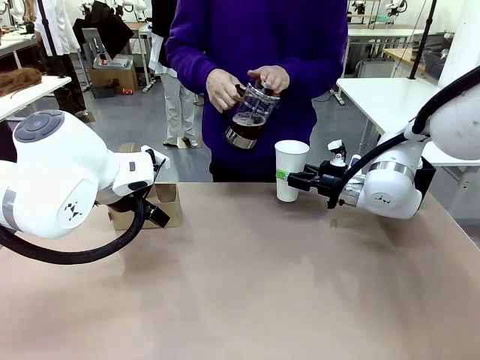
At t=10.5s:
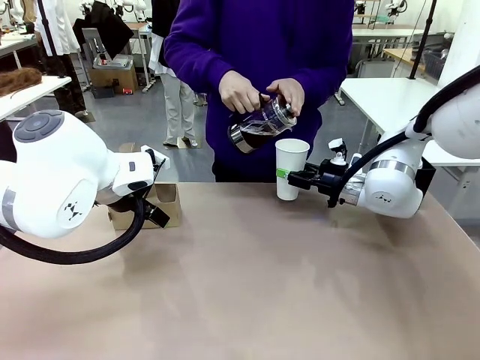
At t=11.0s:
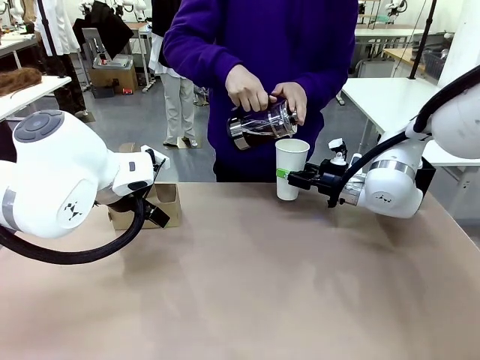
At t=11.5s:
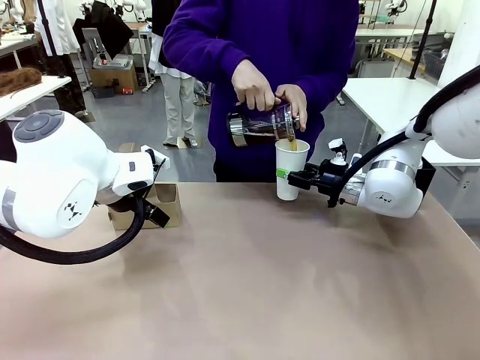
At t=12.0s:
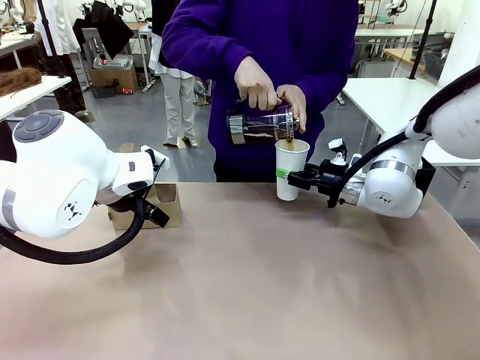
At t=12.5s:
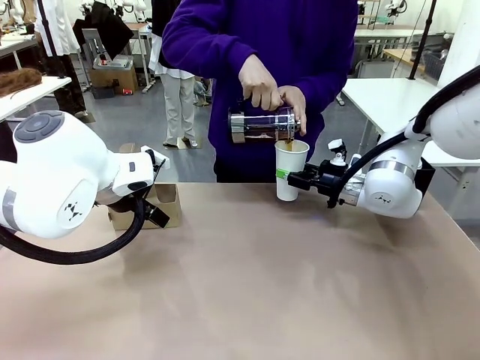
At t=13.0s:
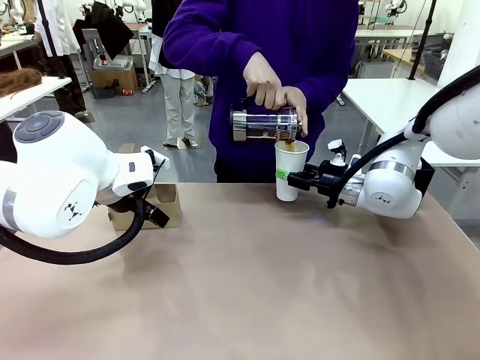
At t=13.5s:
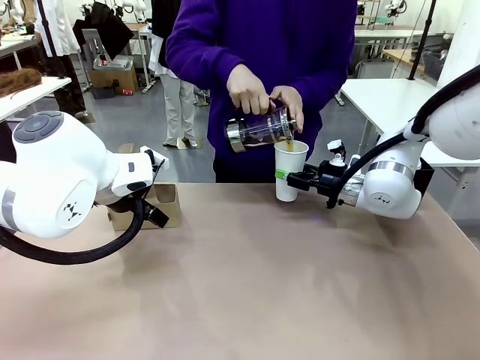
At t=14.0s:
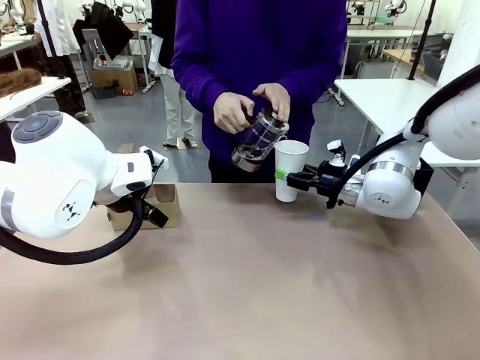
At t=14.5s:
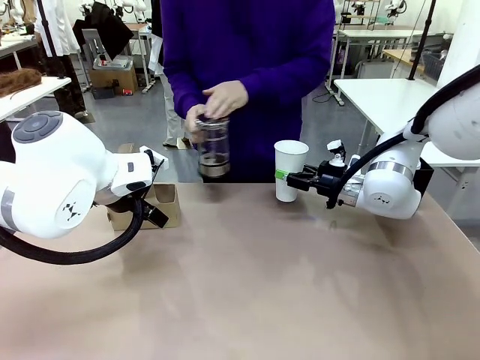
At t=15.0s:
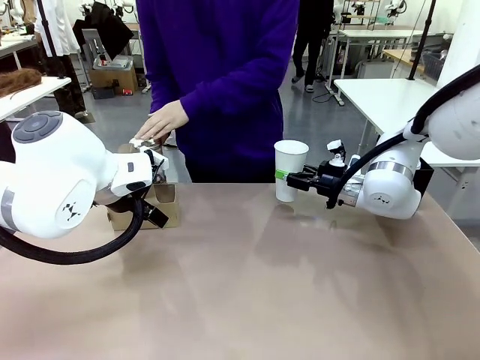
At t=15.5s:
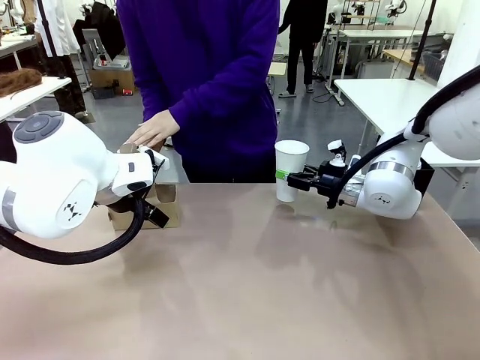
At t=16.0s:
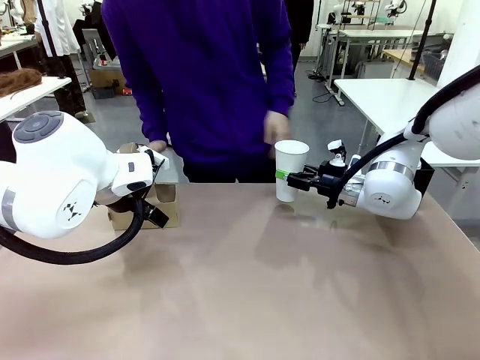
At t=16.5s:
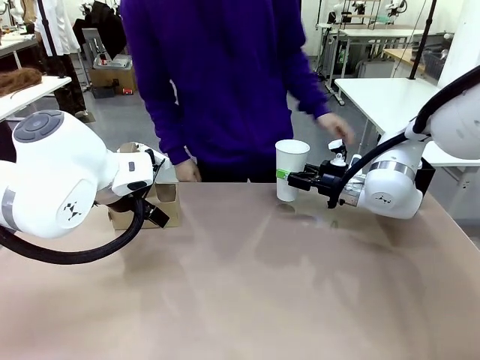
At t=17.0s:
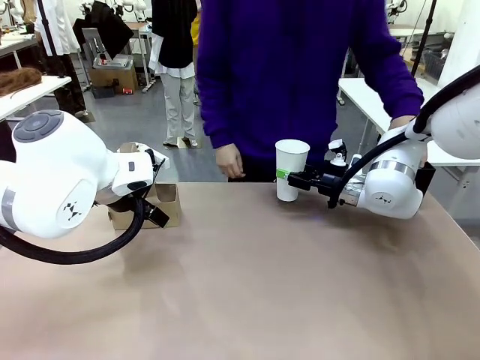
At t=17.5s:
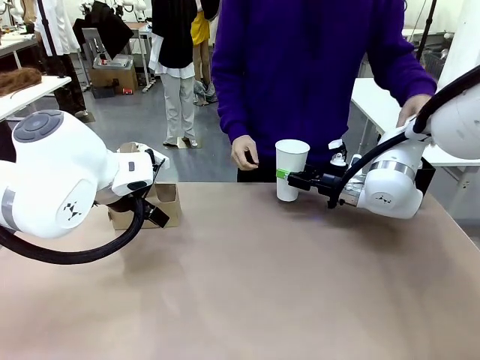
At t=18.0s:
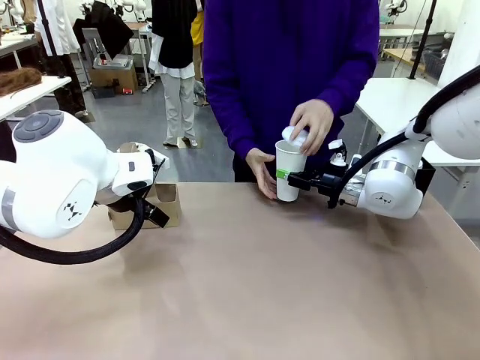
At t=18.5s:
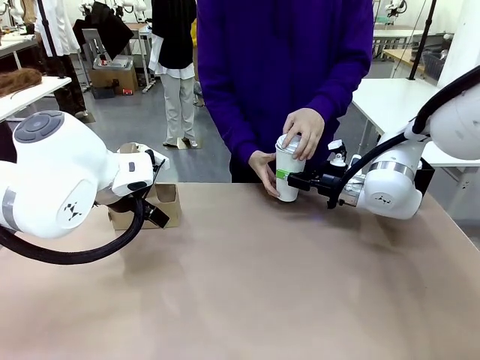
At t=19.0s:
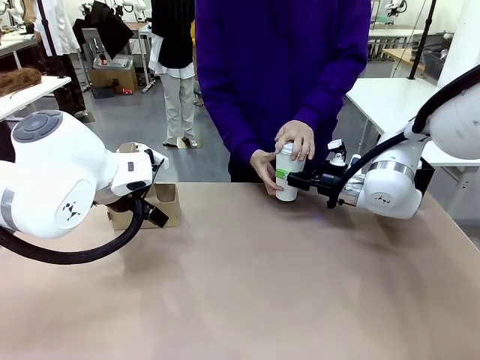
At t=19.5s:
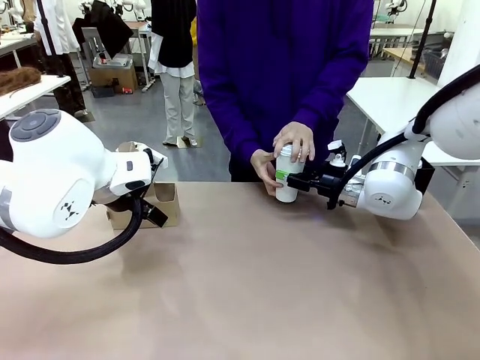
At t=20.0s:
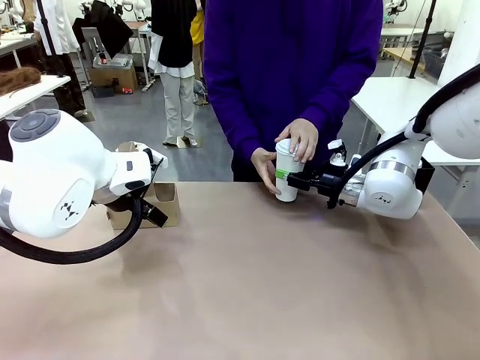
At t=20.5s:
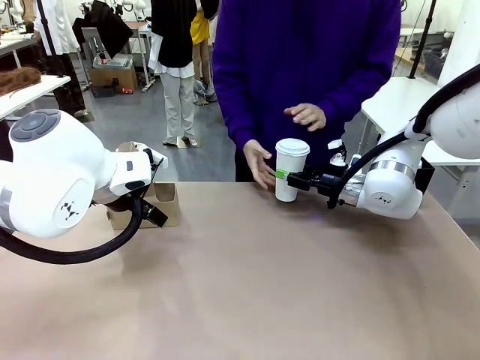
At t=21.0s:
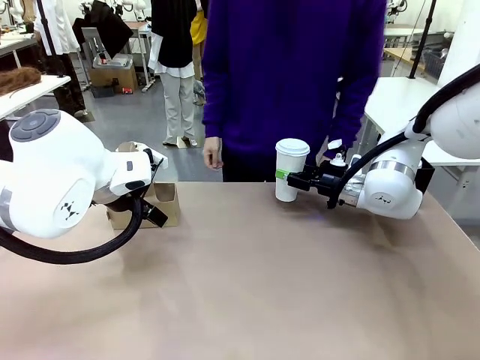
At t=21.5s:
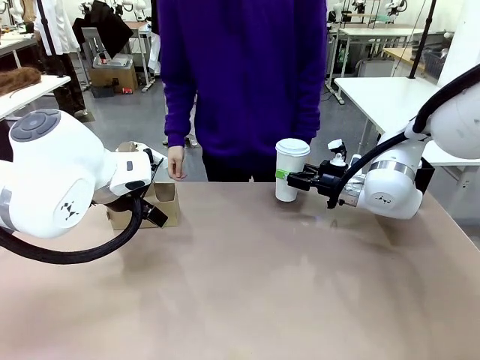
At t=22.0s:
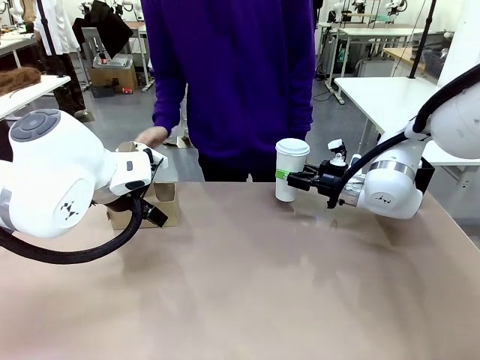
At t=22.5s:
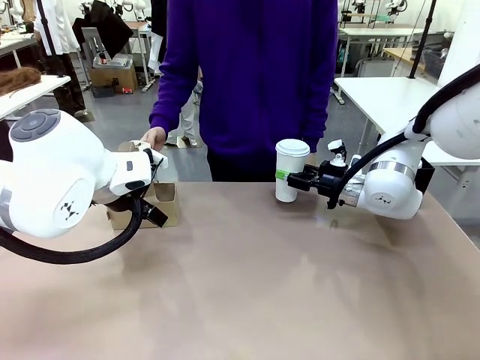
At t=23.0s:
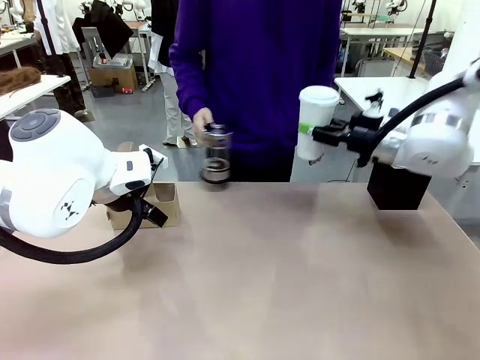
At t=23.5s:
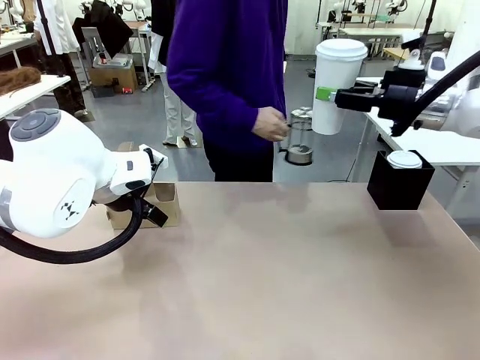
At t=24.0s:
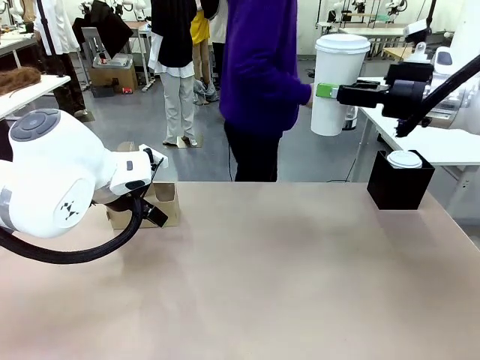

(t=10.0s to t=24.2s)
Task: Pour a drink into a cup and package it in a carrier.
Robot: When a person places the Paper Cup Lid on the 600 ml Paper Cup , lift the 600 ml Paper Cup.
Person: Pour the drink from the Filter Brewing into the 600 ml Paper Cup. Place a Paper Cup Lid on the 600 ml Paper Cup.

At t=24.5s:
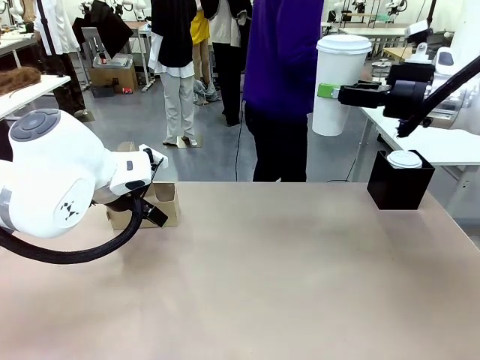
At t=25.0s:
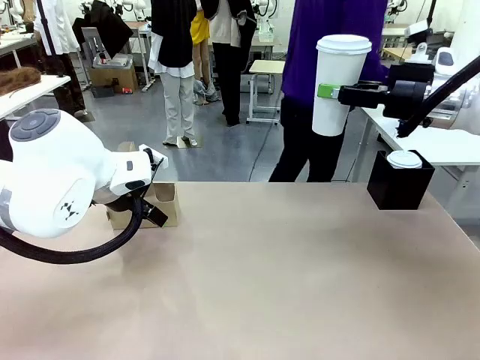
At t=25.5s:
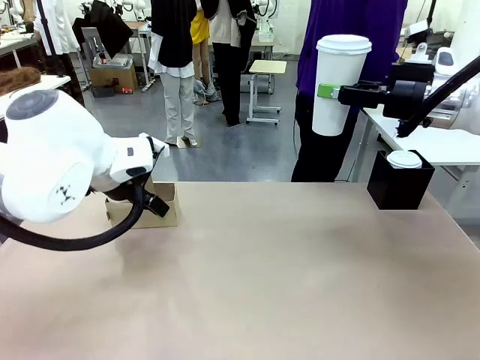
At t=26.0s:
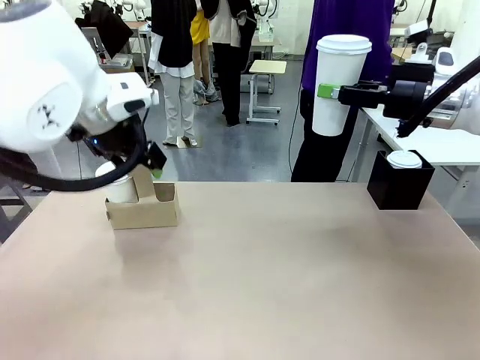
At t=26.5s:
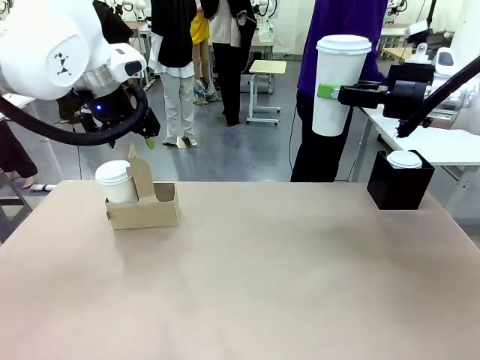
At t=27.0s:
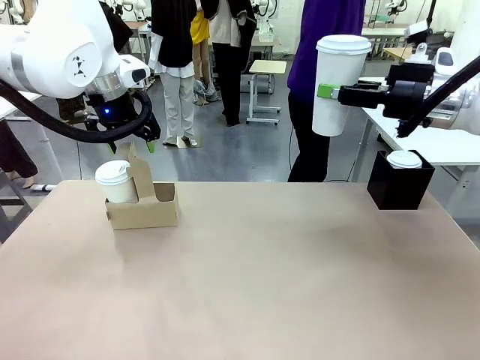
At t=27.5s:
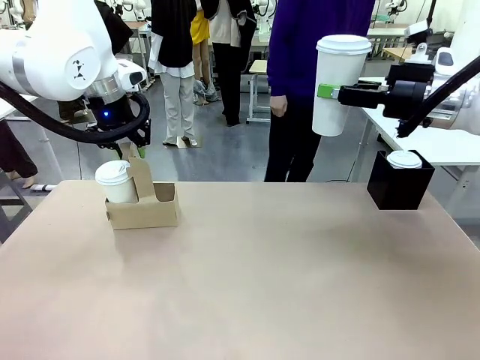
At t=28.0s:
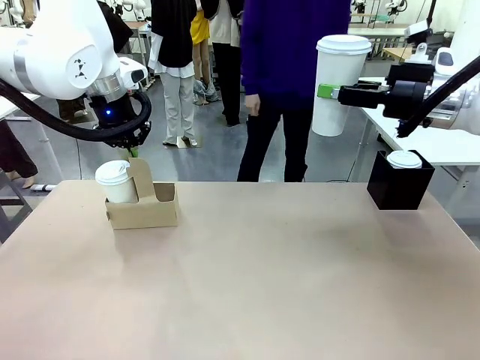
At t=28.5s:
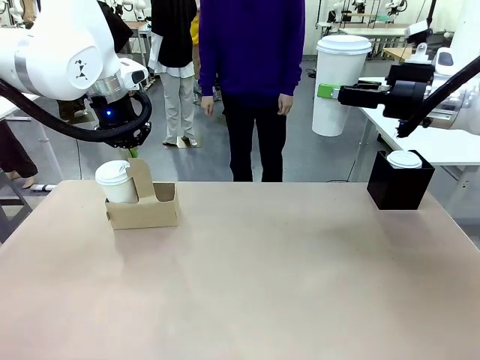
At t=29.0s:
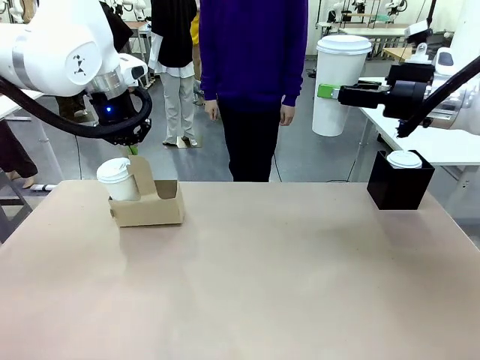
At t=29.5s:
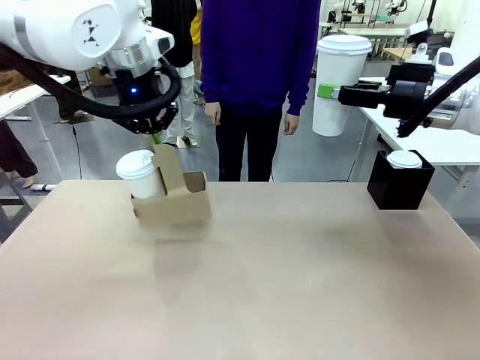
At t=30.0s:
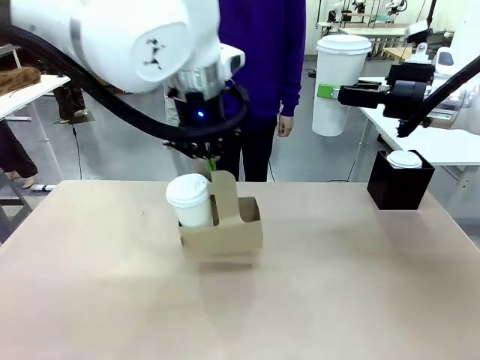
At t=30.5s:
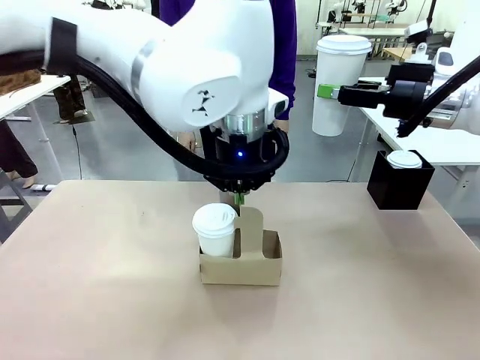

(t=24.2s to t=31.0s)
Robot: Position the Cup Carrier in the center of the table.
Person: Pick up the Filter Brewing and place on the middle of Human table, and return to the Robot table.

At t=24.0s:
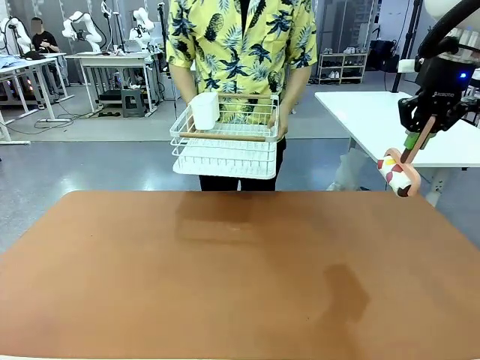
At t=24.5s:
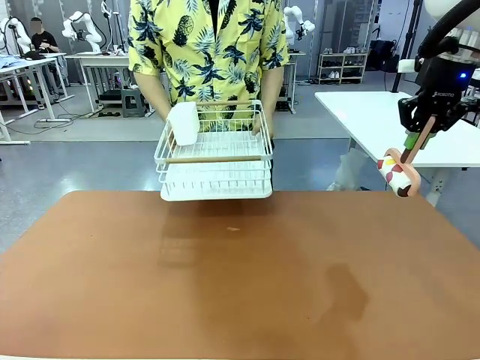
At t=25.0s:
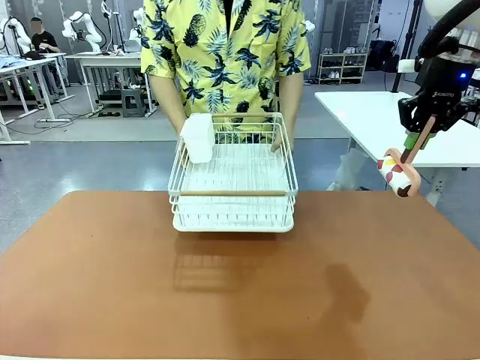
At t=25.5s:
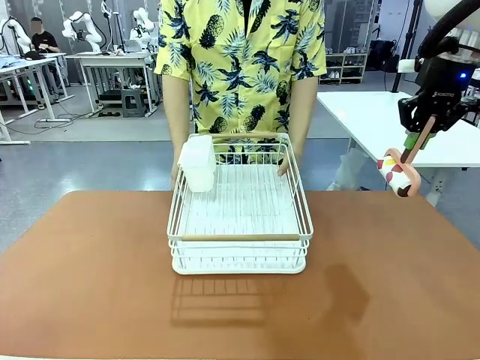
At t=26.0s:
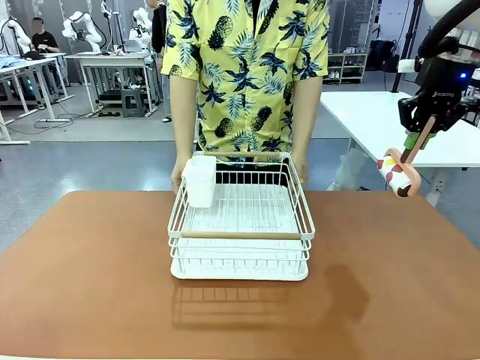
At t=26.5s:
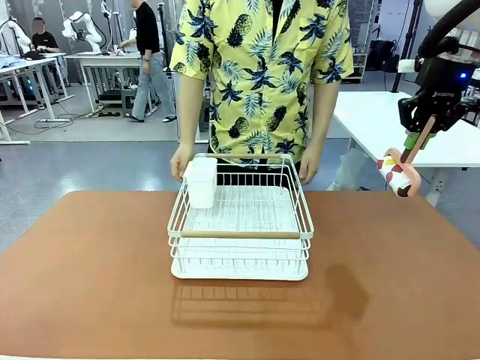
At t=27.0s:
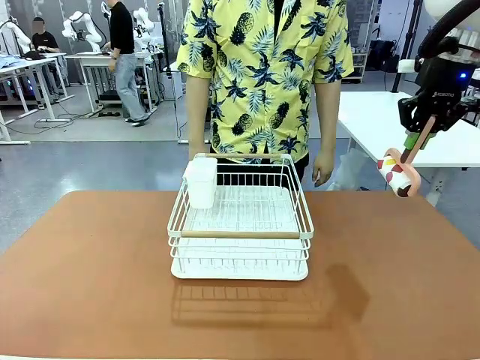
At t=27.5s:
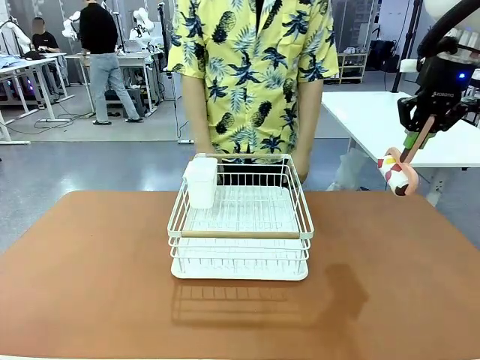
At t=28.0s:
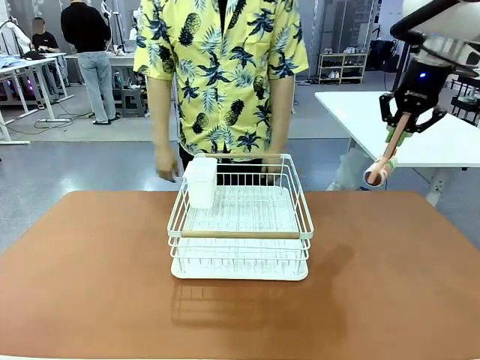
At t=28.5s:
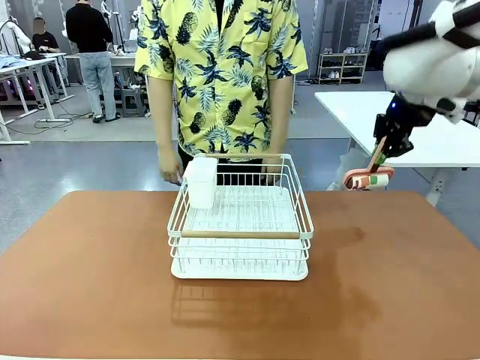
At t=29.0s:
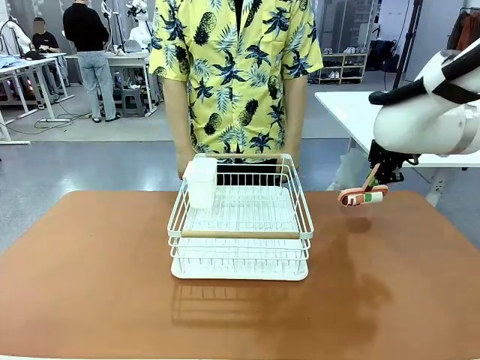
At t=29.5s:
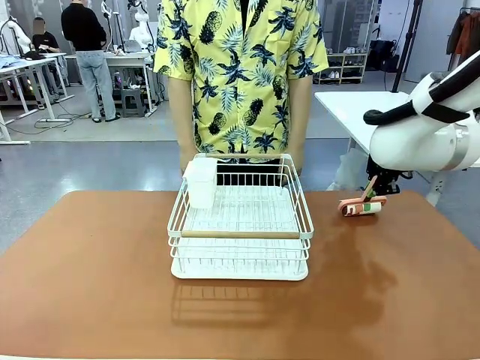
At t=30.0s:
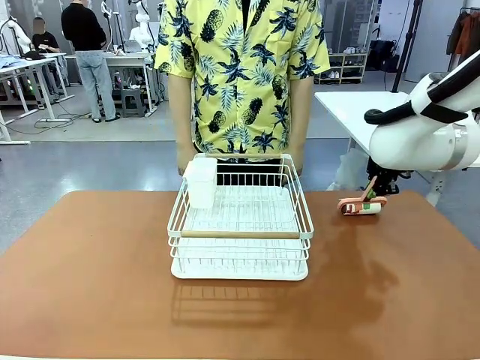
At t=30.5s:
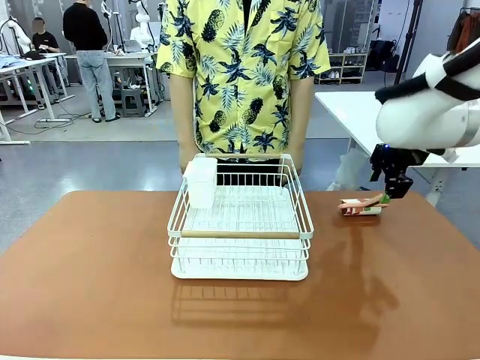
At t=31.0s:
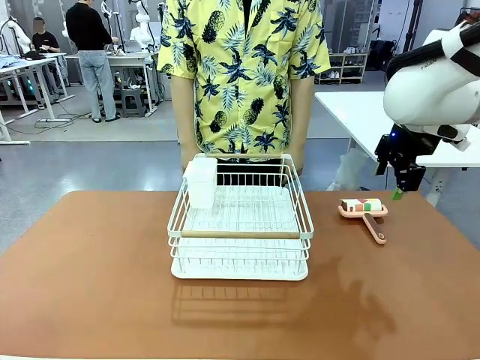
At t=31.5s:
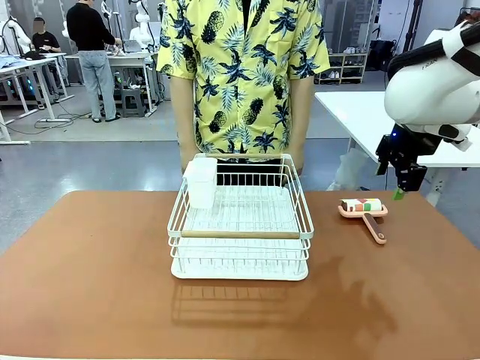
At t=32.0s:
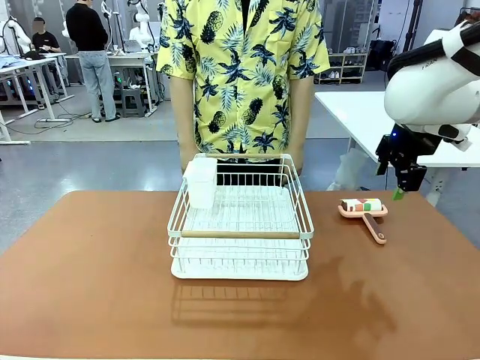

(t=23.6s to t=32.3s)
Task: Clean the table.
Robot: Place the Lint Roller down when the Dish drying rack is positioned in the middle of the table.
Person: Place the Dish drying rack down when the robot finishes cleaning.
